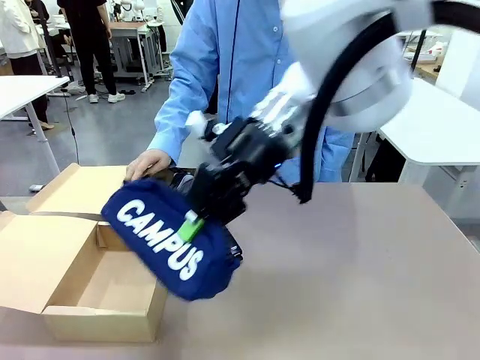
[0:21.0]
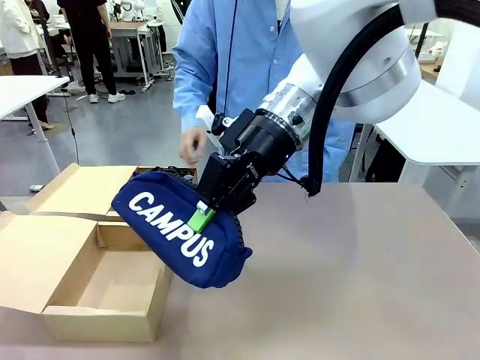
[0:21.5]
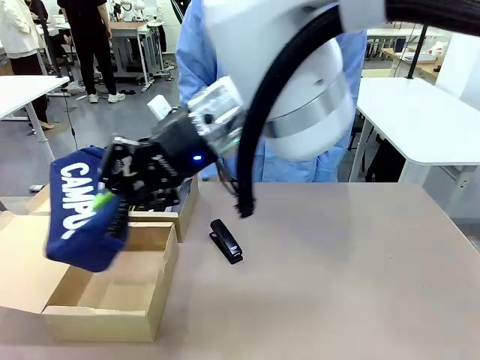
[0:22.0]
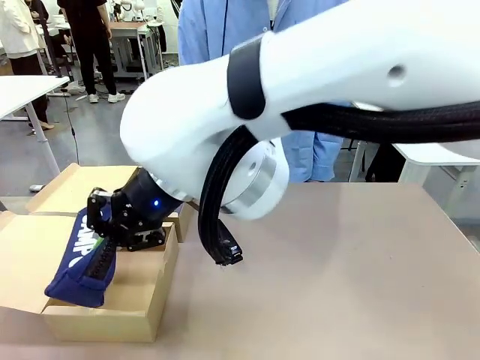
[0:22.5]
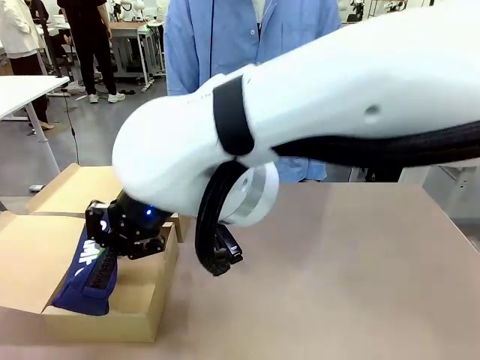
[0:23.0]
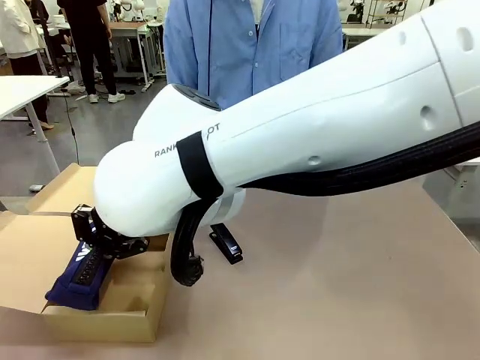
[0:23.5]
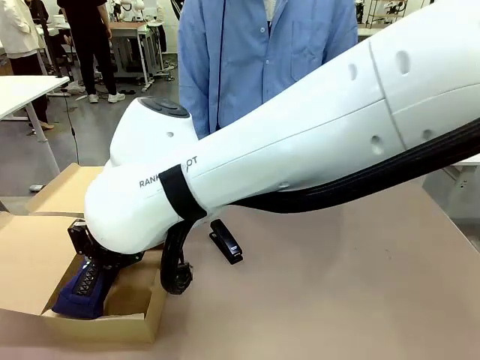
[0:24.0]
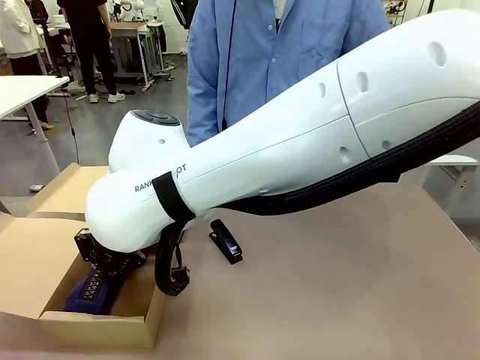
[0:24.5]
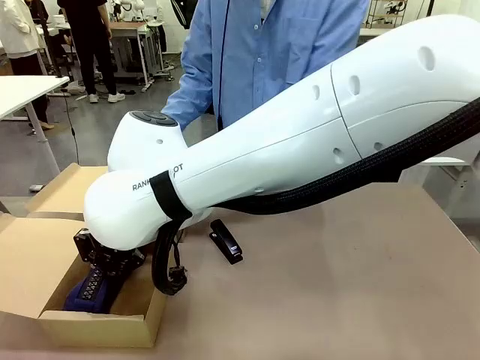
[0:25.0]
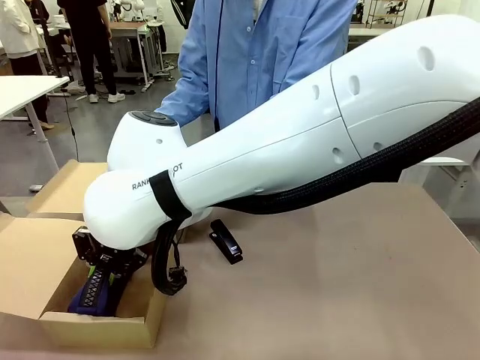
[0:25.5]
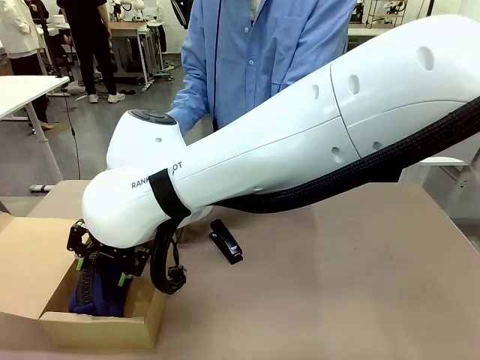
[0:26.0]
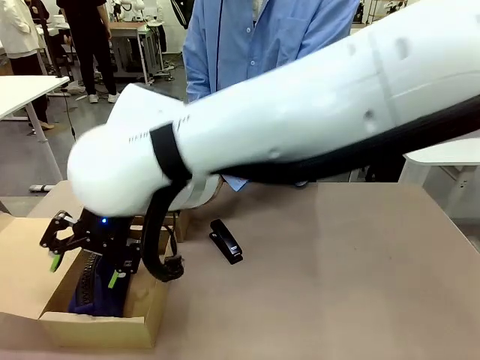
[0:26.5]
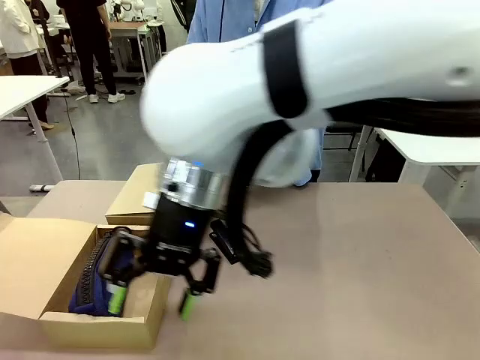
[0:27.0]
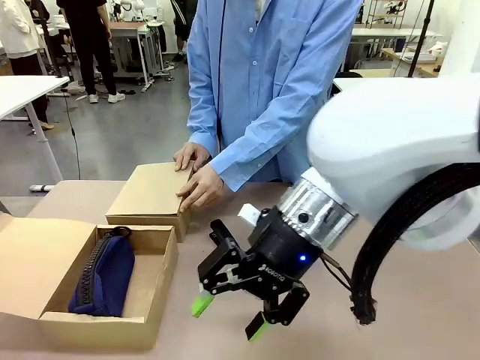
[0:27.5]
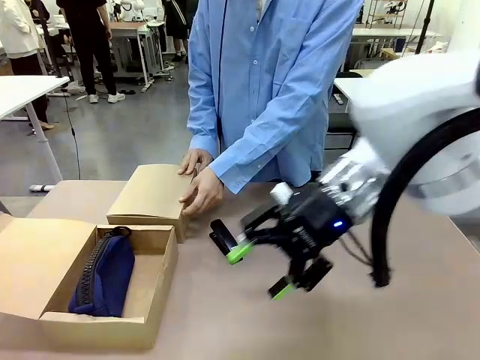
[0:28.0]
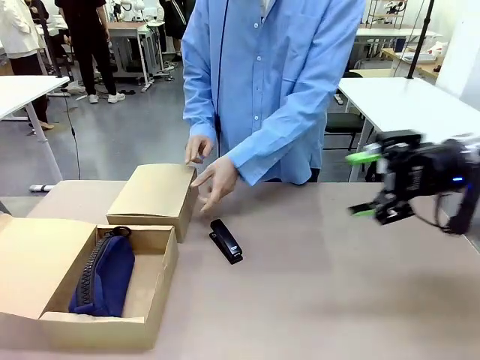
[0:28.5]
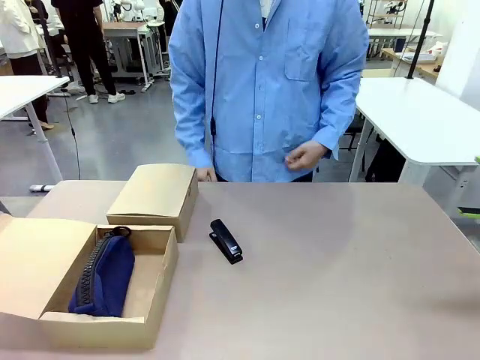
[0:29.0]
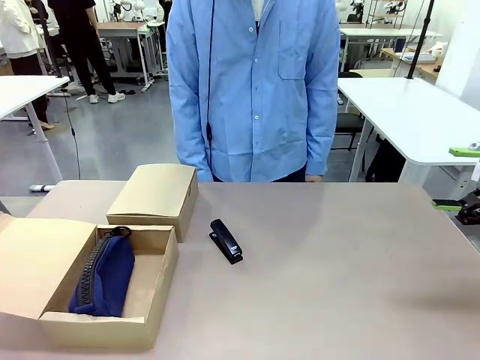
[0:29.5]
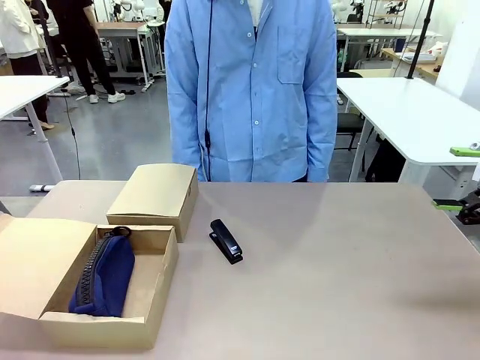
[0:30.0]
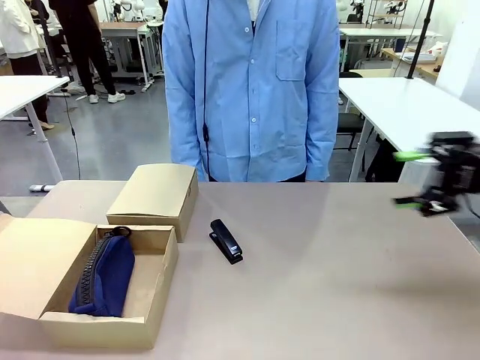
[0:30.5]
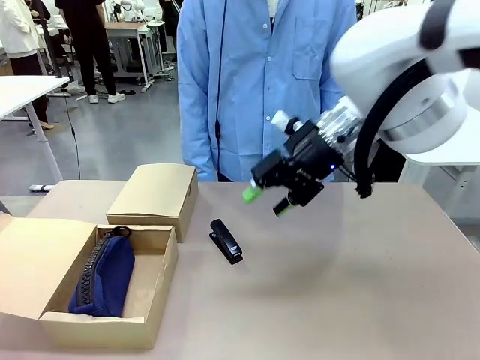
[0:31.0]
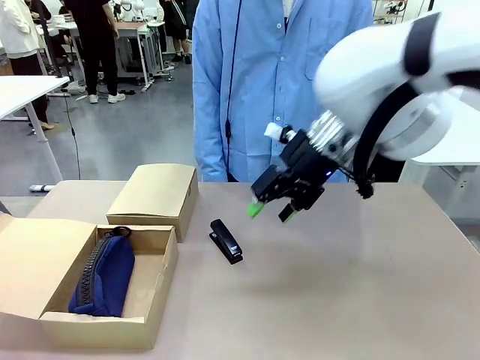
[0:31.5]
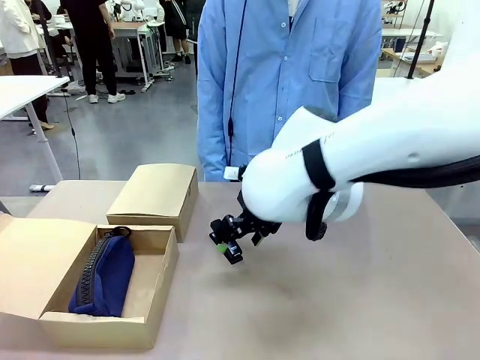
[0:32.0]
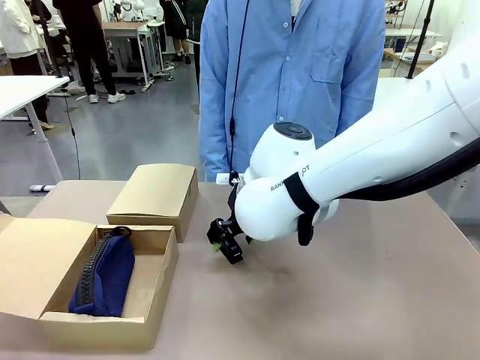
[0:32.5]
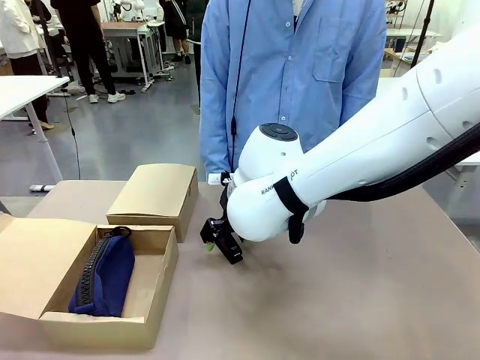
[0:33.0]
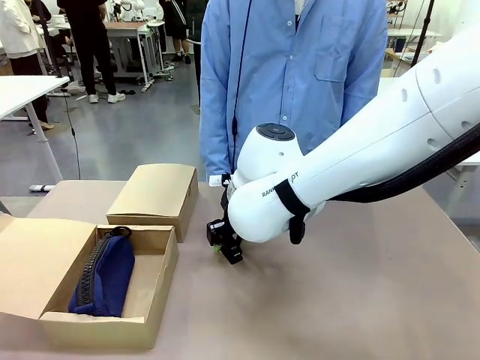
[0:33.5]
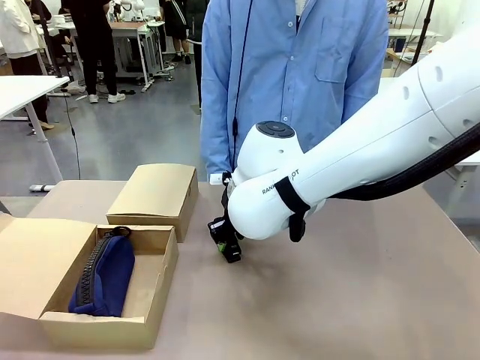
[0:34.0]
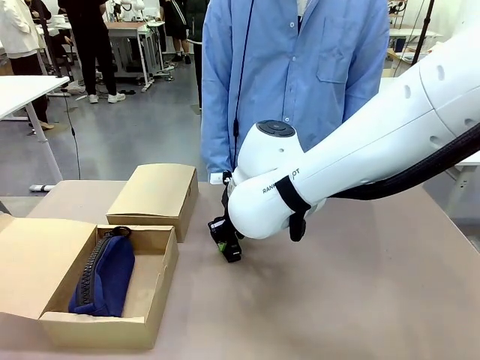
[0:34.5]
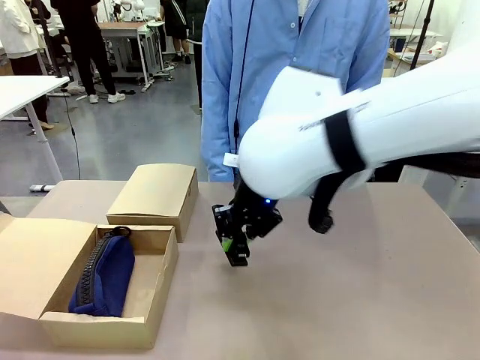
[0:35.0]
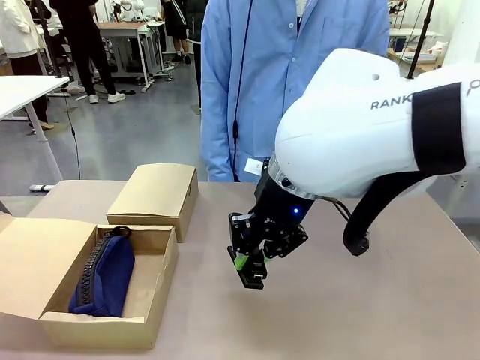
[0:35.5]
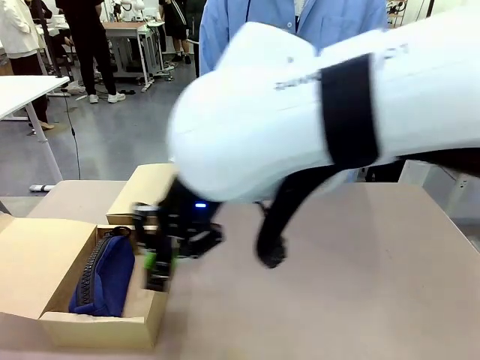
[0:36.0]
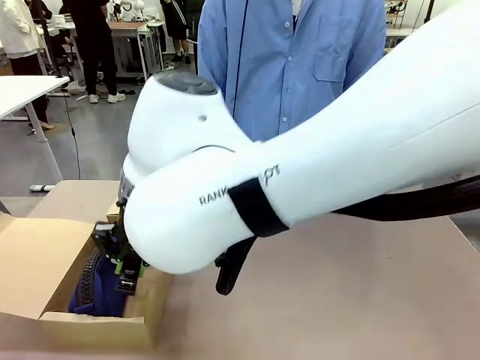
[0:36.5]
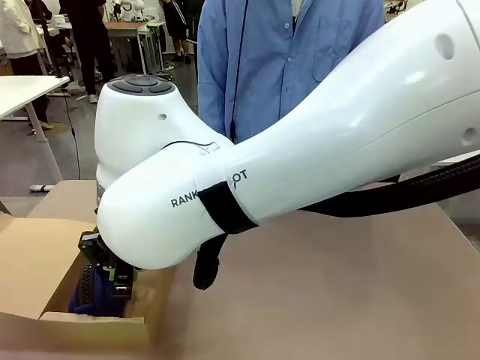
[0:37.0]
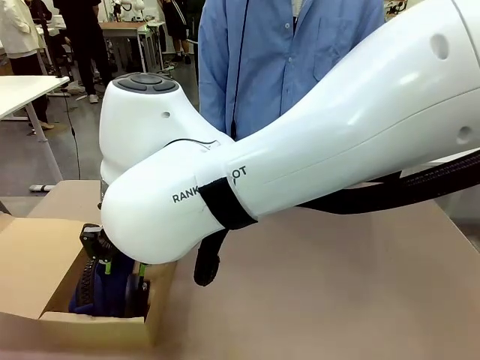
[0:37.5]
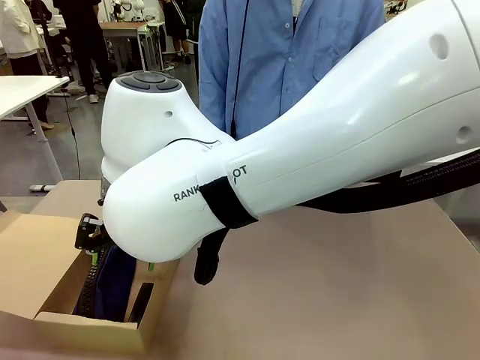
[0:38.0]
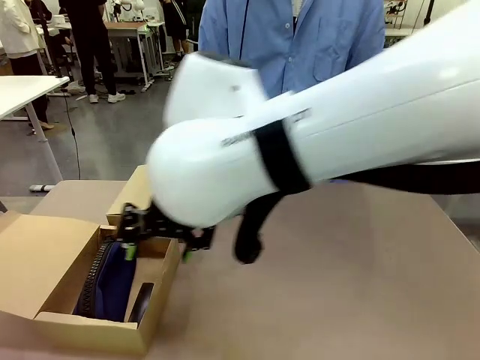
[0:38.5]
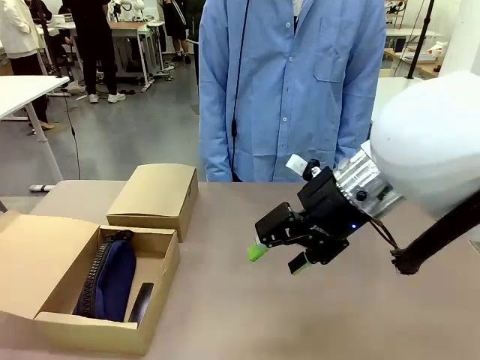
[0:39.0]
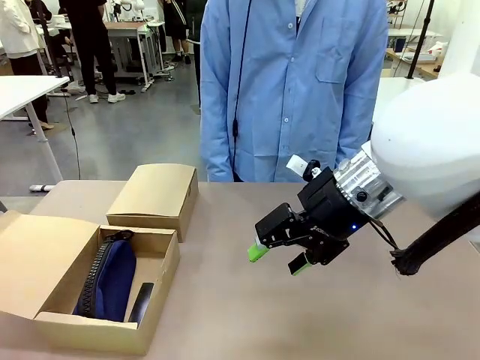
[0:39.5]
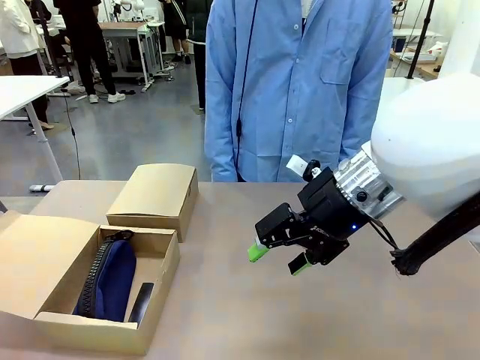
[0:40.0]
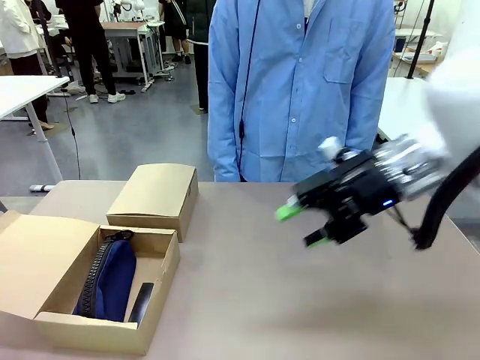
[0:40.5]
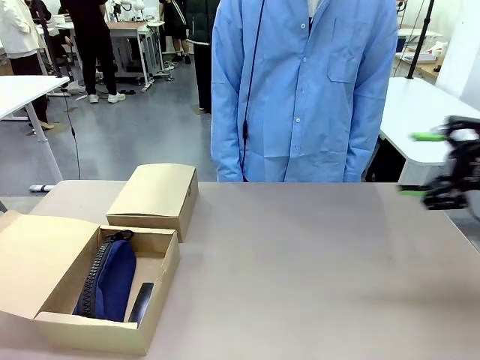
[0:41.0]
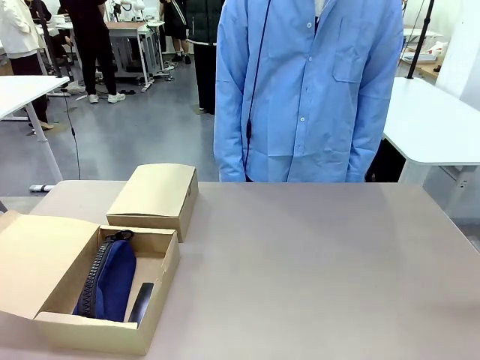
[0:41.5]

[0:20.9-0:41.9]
Task: Place items inside the box.
Robot: Pick up a Pencil pouch or Stapler and place it inside the Mailer Box closest to the robot.
Person: Close the lid of the box facing the person.

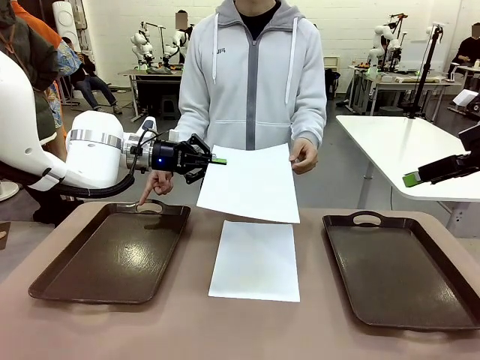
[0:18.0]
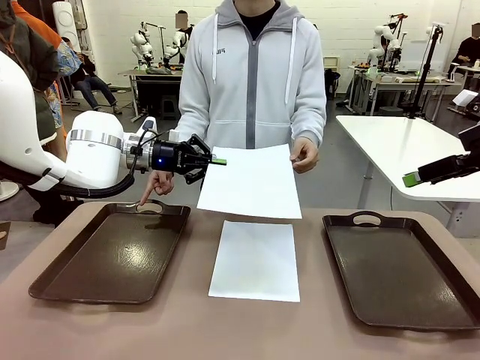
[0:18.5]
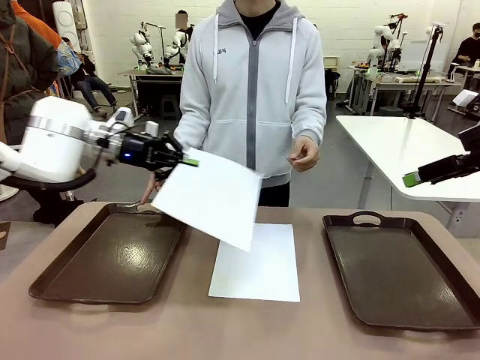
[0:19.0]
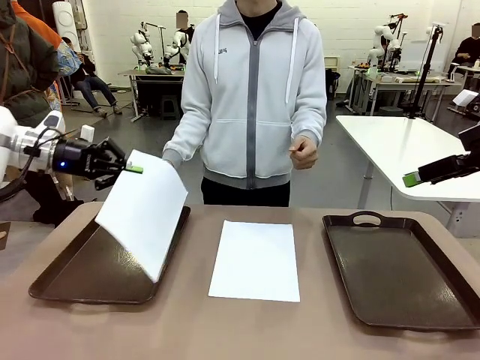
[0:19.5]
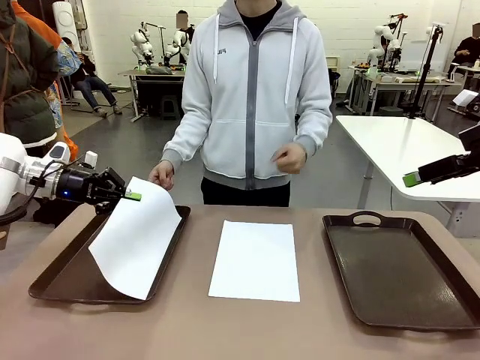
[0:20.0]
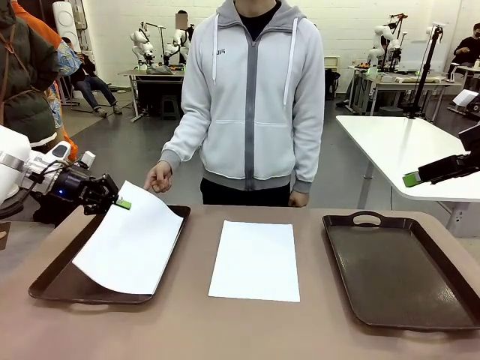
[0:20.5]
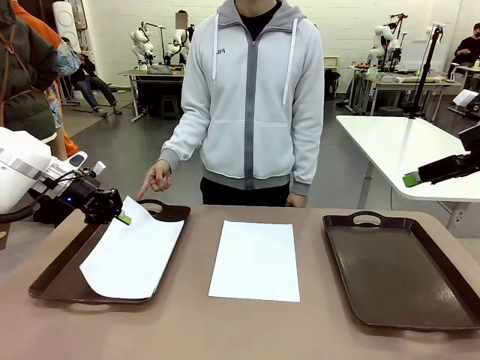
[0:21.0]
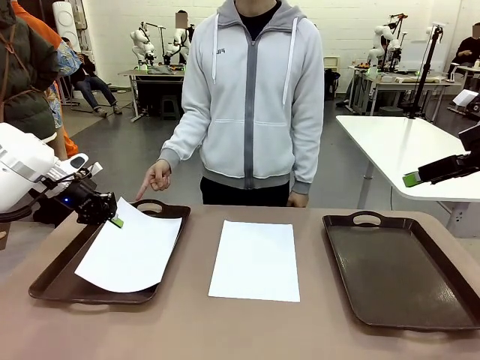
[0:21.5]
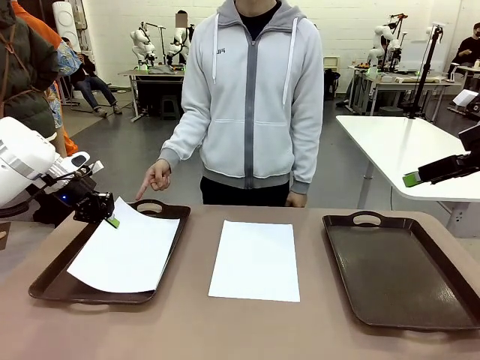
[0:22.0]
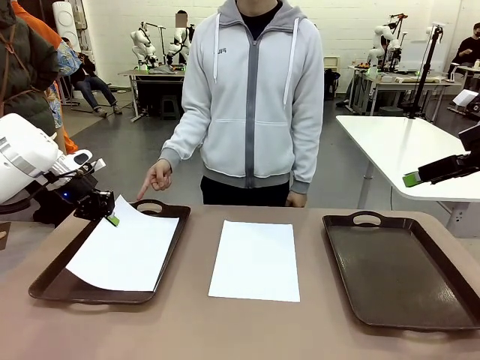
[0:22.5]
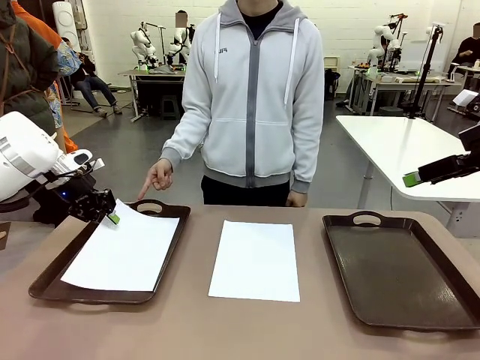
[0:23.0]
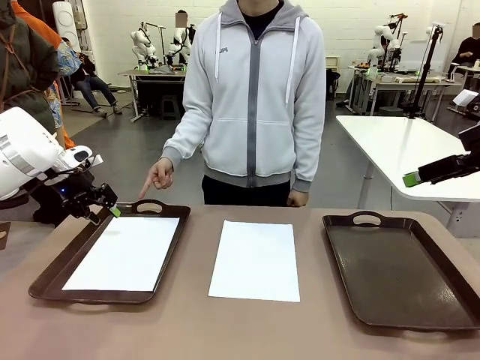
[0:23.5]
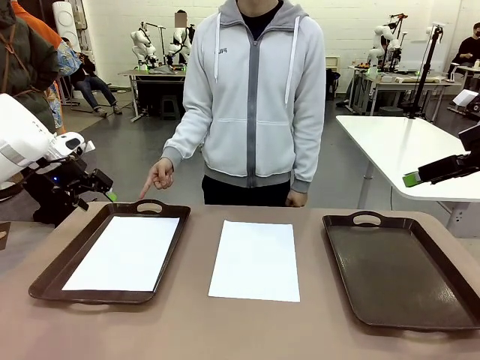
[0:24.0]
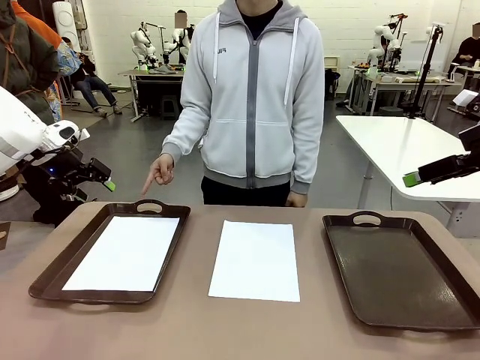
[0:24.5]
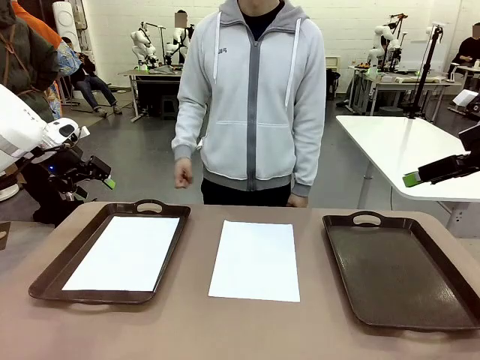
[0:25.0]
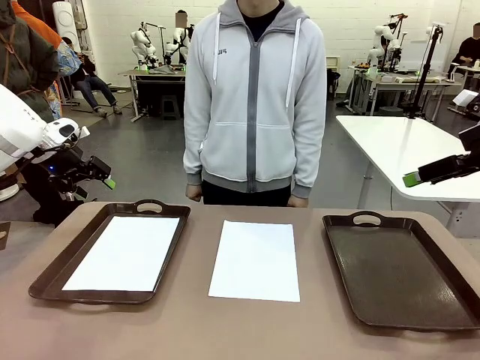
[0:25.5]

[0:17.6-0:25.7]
Task: Sort the A4 documents.
Robot: Place the A4 Paper in the designated Handle tray.
